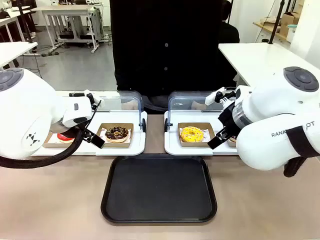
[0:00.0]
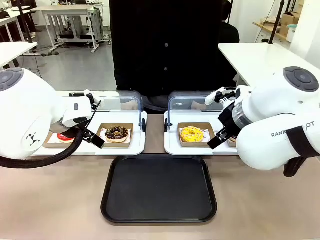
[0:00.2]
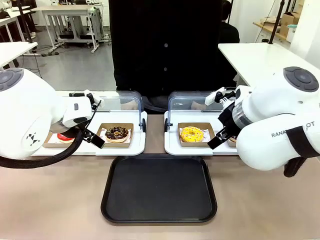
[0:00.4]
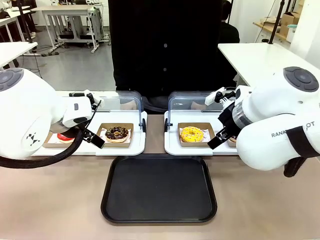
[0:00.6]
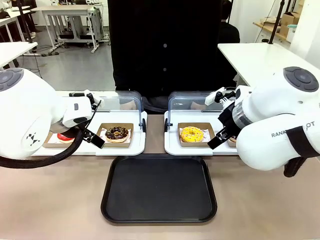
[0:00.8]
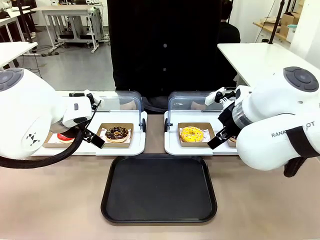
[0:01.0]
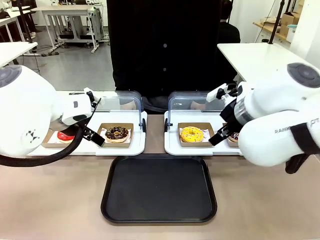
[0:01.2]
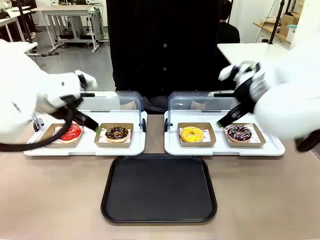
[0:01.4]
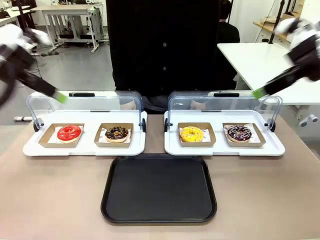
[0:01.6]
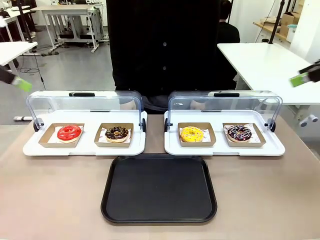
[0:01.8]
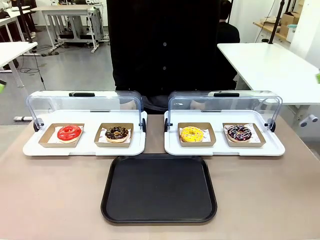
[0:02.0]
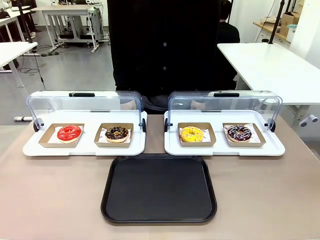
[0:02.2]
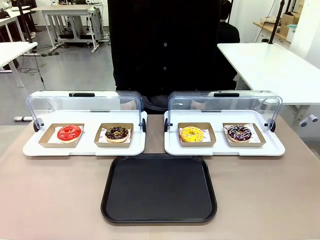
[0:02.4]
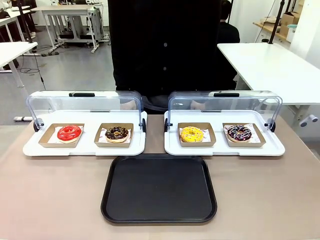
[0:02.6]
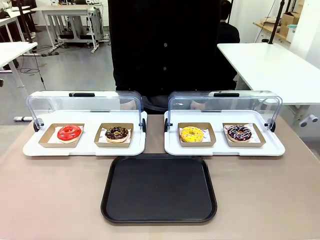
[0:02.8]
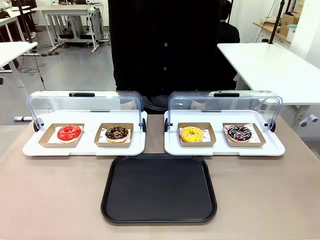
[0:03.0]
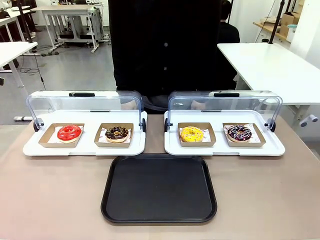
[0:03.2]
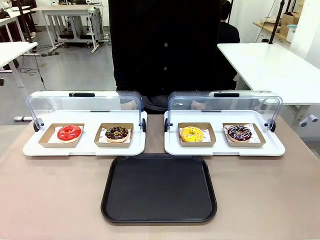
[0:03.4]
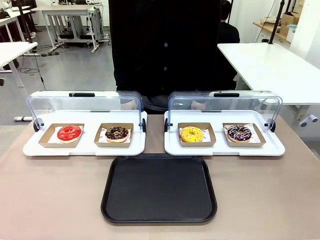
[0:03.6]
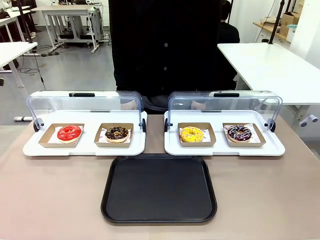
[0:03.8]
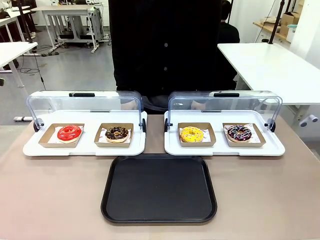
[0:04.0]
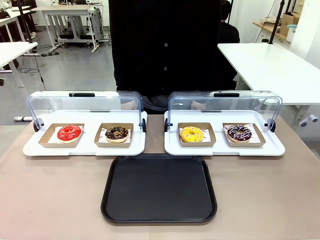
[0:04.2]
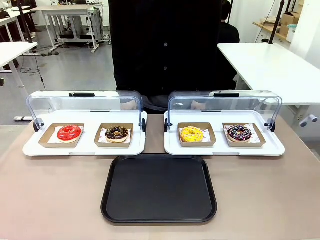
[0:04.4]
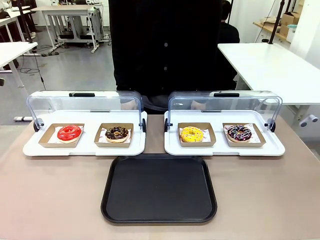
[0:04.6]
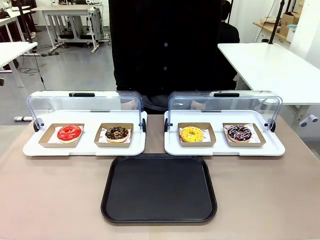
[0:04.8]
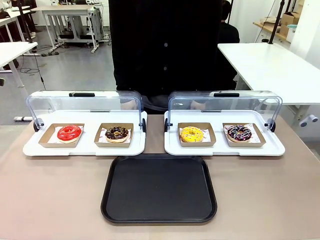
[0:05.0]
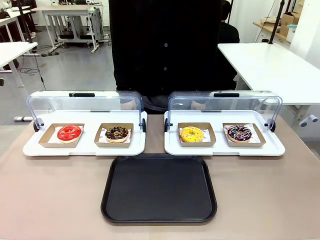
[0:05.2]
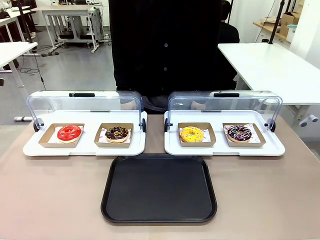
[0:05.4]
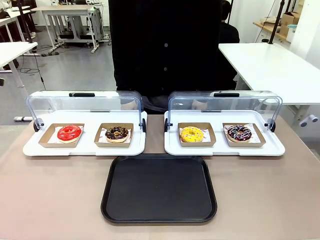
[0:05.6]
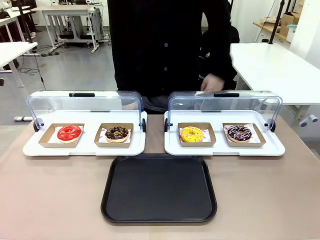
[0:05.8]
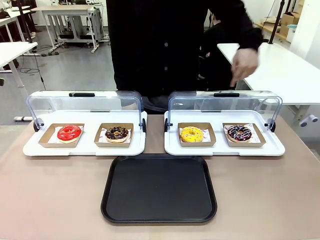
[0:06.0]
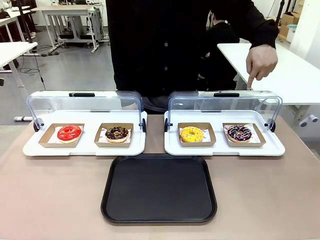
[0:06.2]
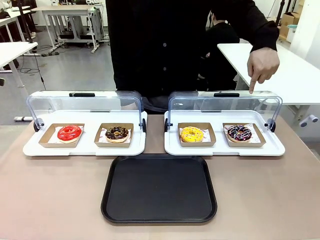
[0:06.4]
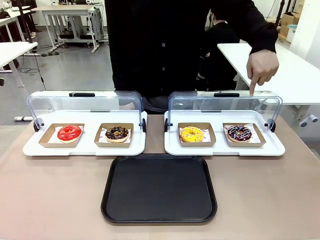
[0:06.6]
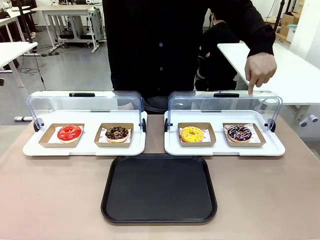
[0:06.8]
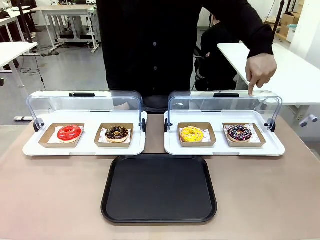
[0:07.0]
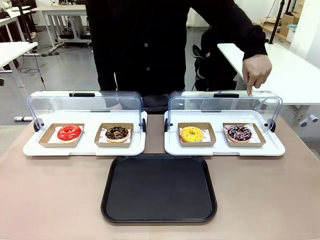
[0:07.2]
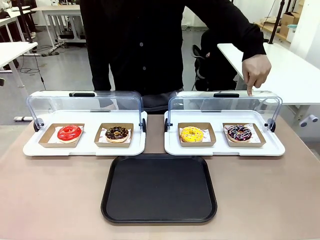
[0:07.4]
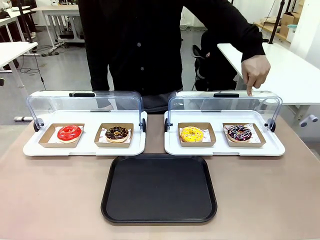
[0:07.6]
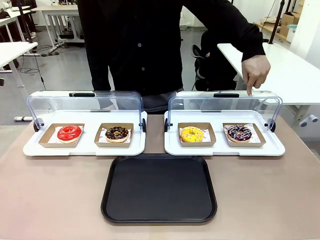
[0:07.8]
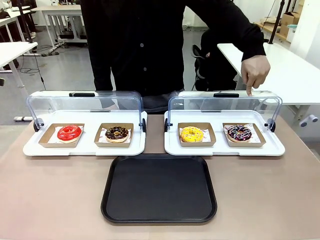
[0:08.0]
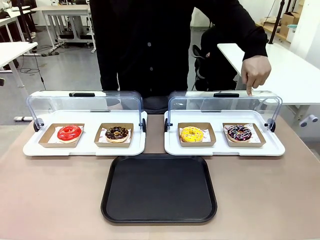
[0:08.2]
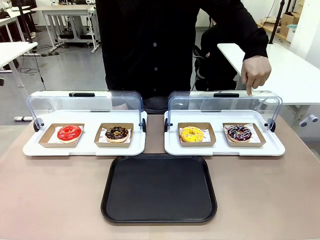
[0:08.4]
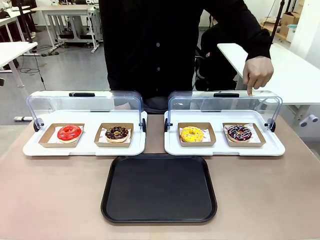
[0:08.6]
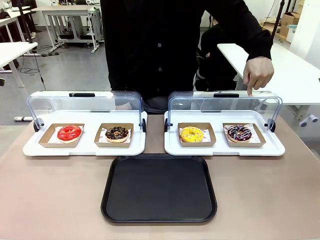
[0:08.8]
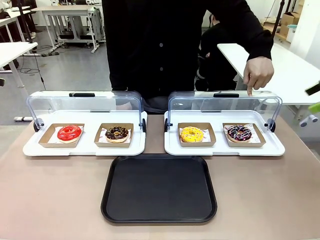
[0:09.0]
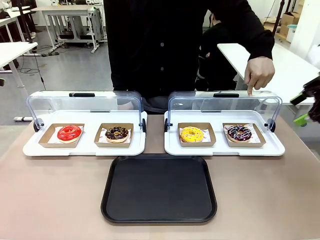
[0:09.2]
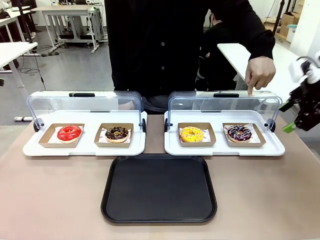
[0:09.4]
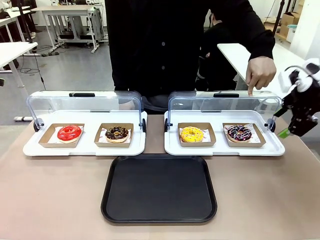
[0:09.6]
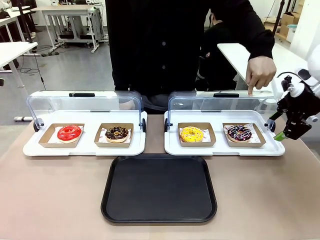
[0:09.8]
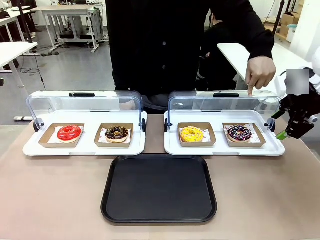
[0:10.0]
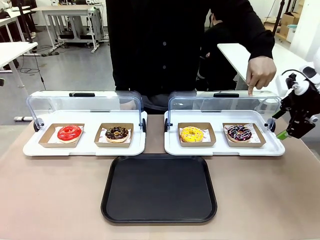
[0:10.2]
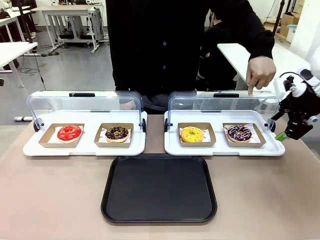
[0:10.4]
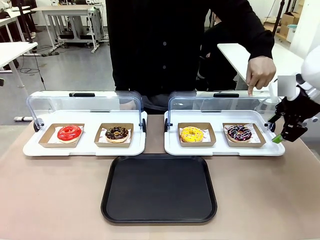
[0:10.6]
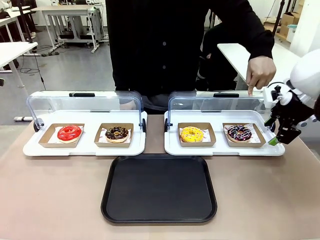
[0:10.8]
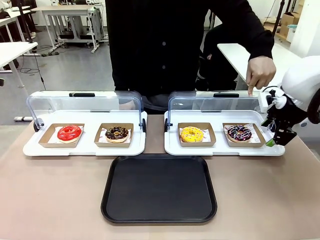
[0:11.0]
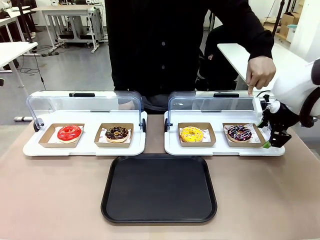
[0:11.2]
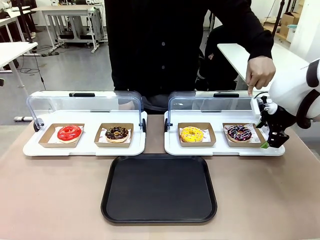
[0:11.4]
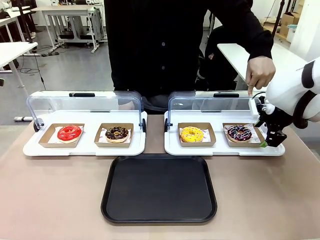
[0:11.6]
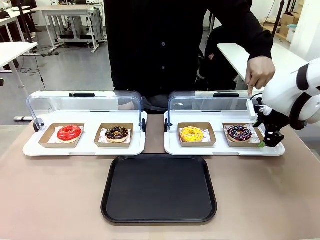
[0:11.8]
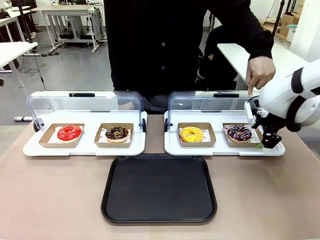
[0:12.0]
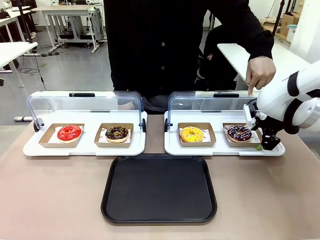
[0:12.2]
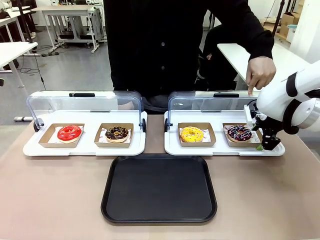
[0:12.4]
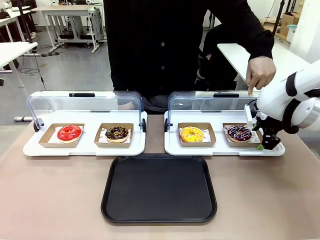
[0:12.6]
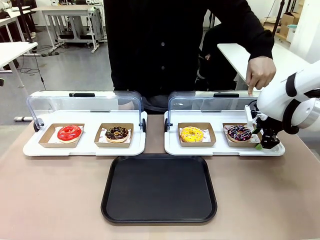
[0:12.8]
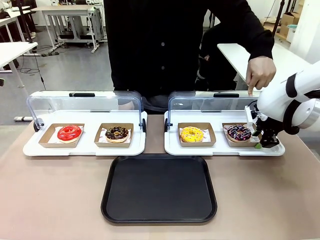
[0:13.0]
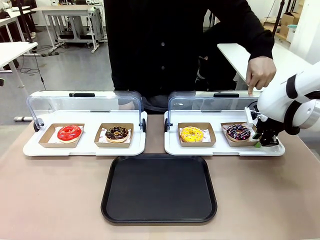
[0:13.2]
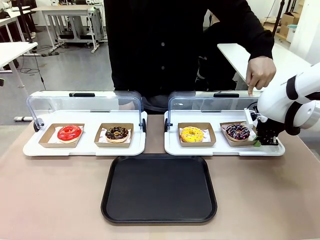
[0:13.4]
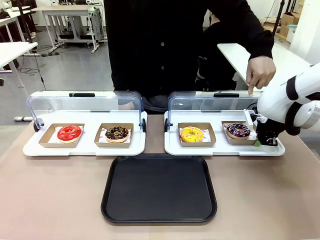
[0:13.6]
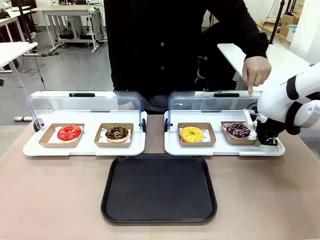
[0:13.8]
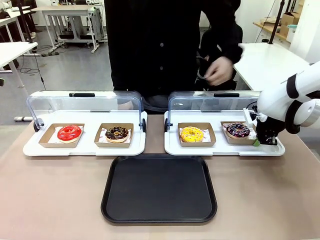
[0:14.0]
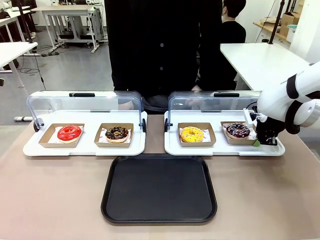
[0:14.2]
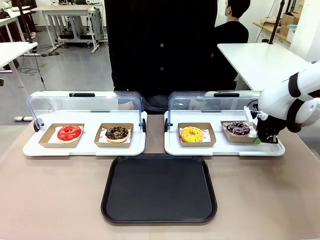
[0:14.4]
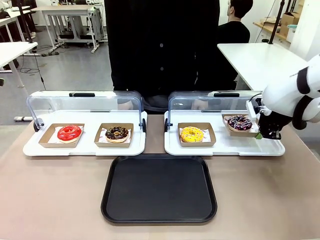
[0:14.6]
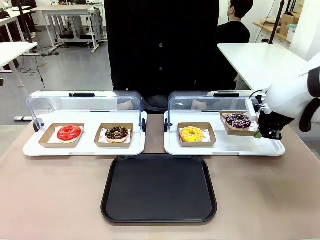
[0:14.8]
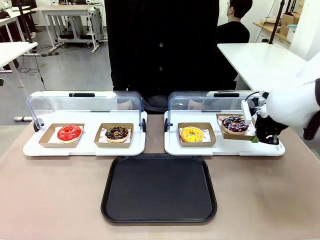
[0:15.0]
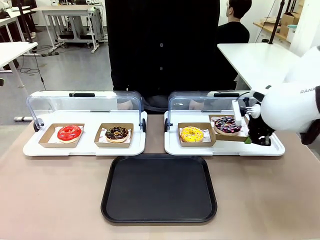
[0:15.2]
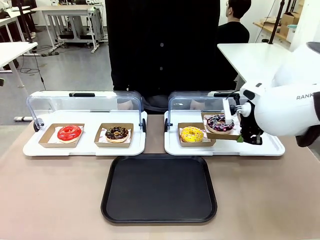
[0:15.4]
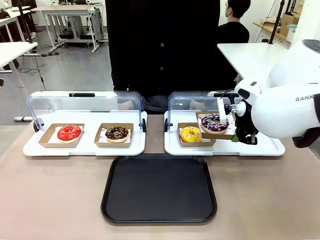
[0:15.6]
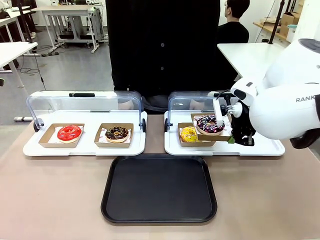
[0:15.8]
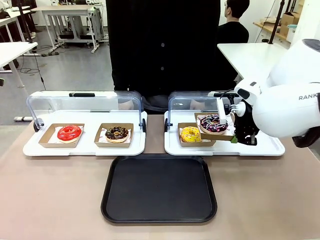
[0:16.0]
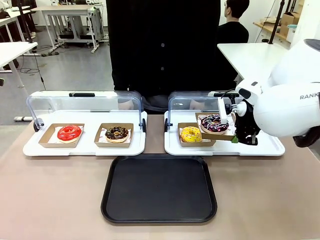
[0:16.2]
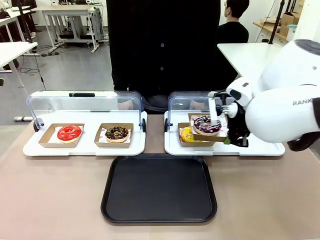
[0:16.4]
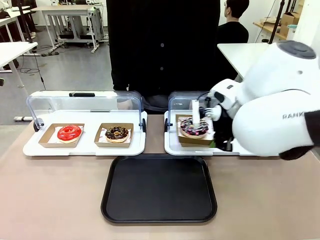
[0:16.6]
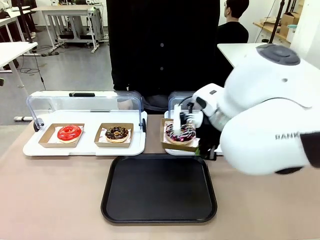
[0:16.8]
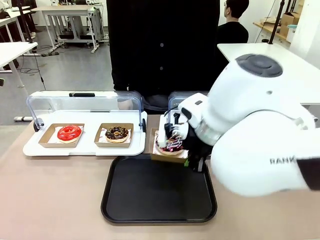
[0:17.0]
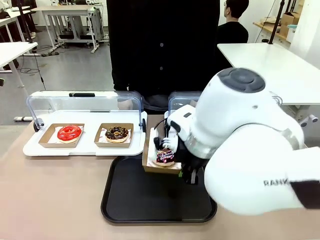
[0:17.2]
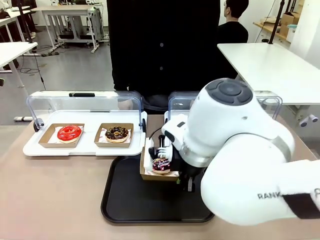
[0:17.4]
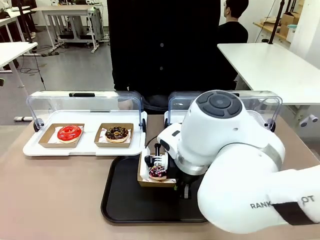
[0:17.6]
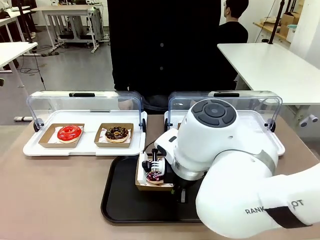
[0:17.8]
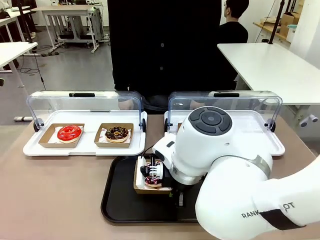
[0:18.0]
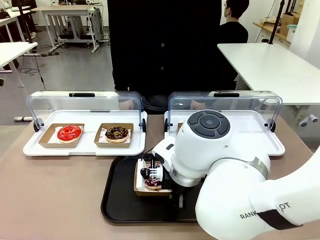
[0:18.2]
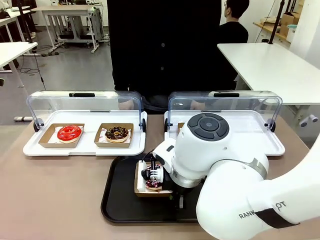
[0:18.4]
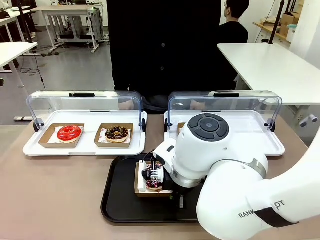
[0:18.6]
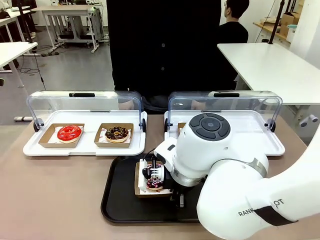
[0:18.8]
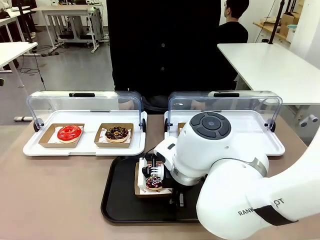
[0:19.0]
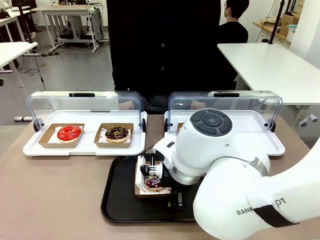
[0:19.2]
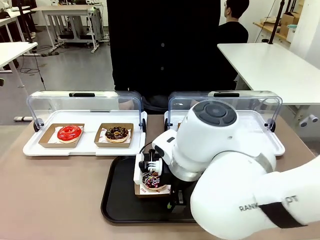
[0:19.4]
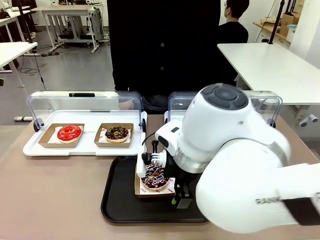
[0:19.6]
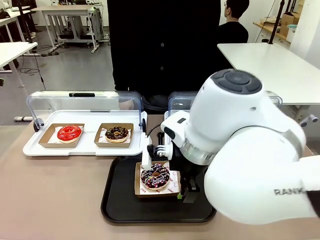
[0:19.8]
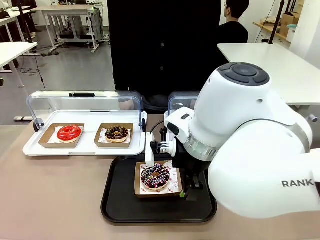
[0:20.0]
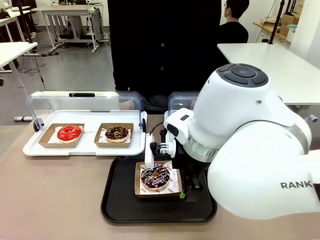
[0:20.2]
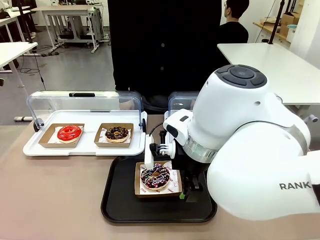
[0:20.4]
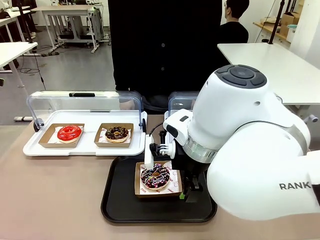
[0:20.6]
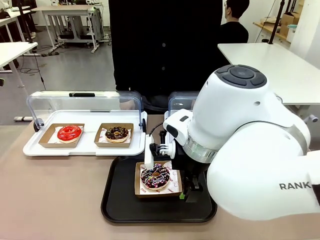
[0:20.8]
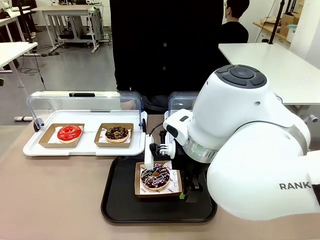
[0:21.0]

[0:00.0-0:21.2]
Task: Move the fourth donut from the left to the tray.
Robot: Pick up the Paper togo box containing the Donut indicated by the person and place it on the Handle tray.
Person: Points to the fourth donut from the left from the robot’s perspective.
